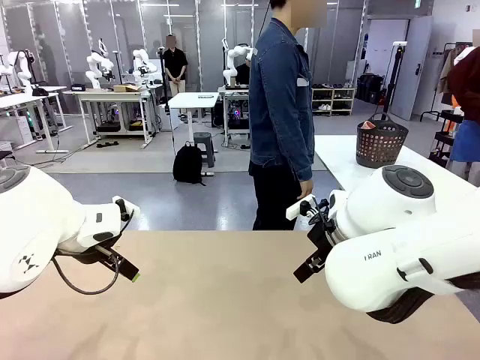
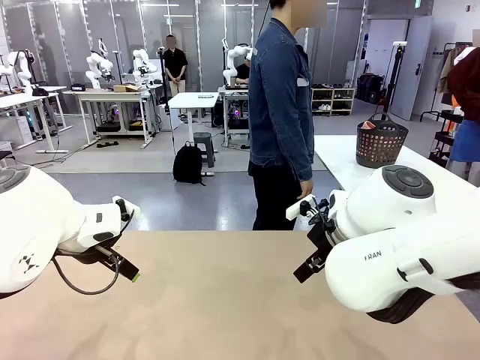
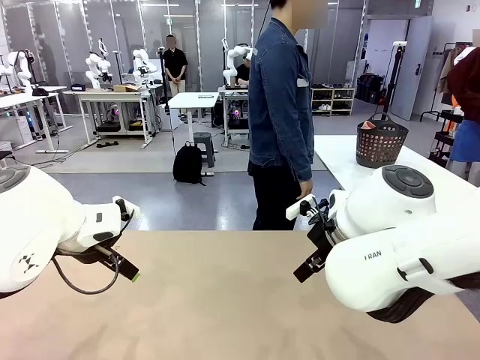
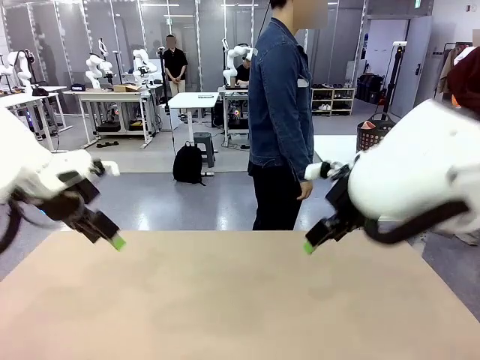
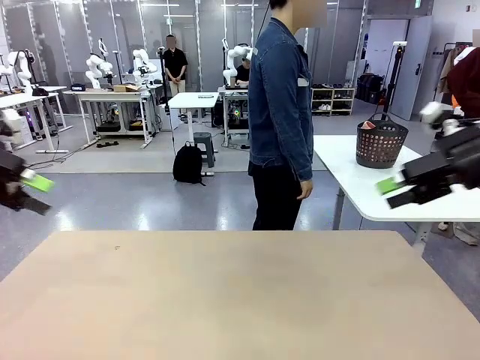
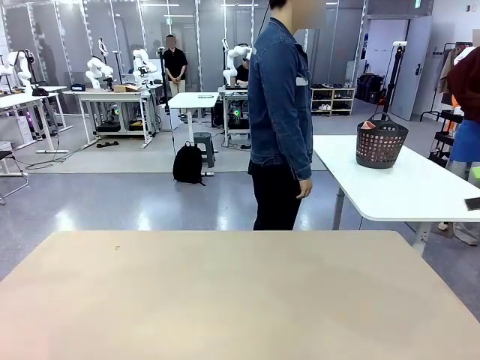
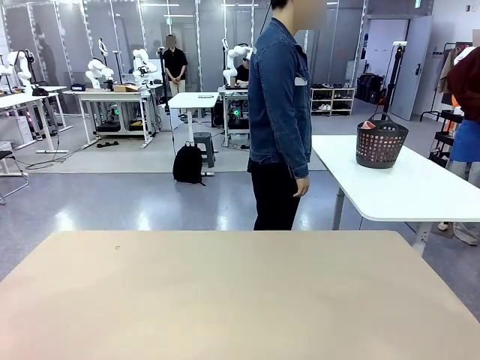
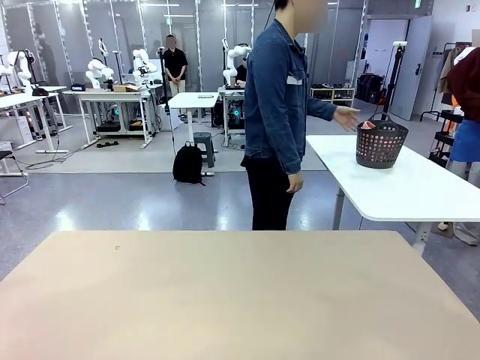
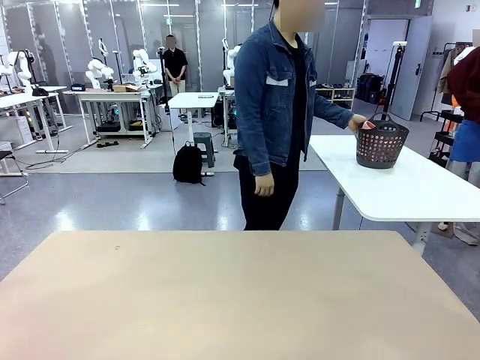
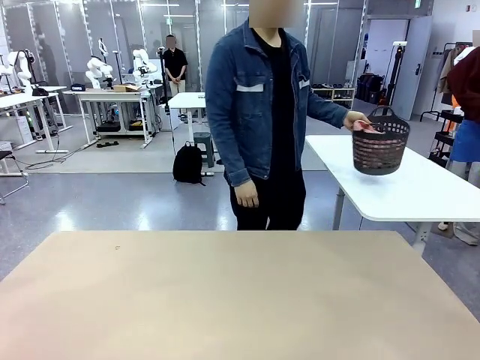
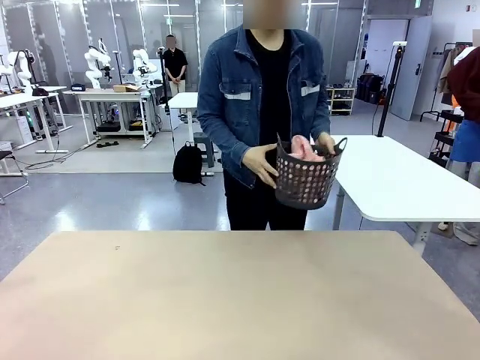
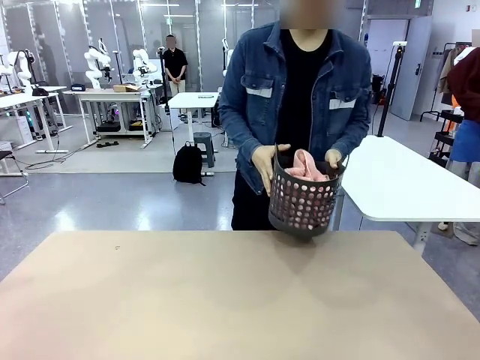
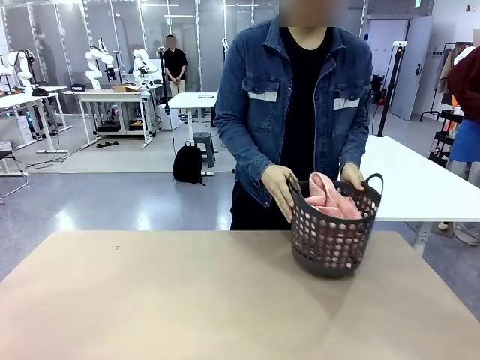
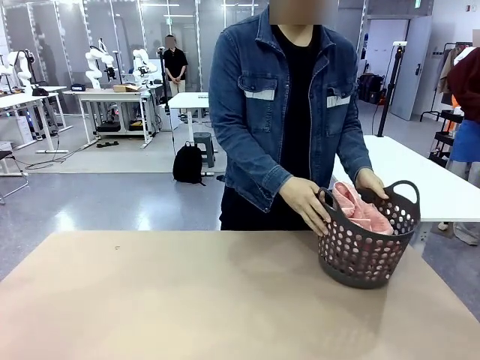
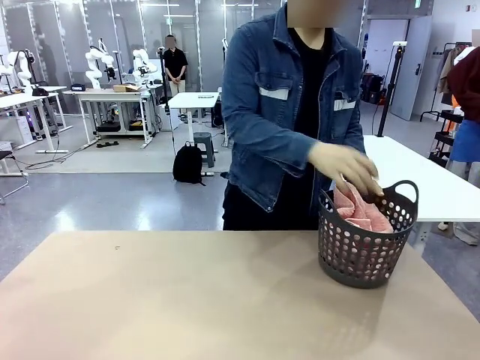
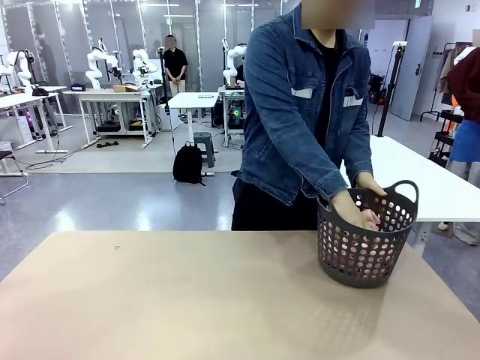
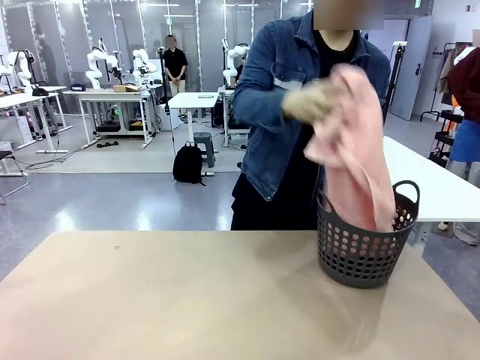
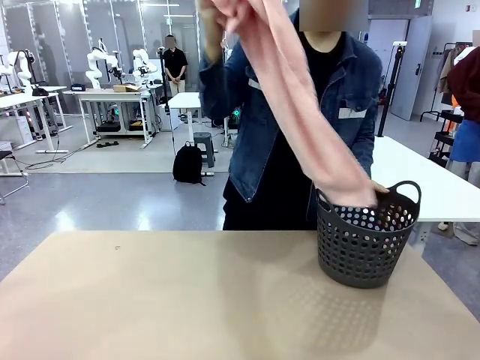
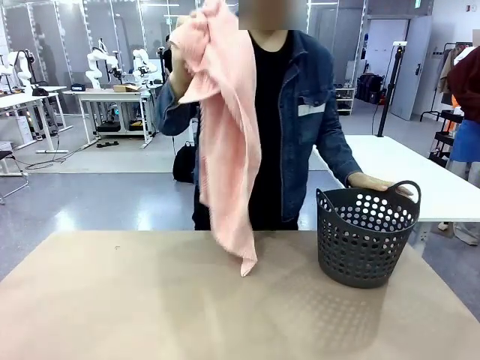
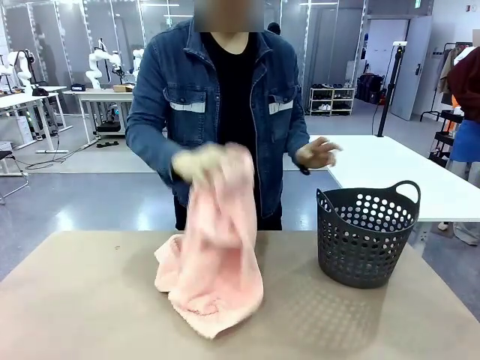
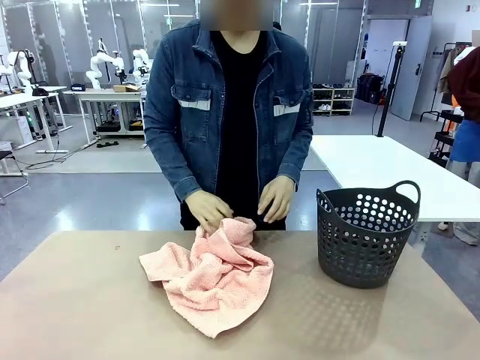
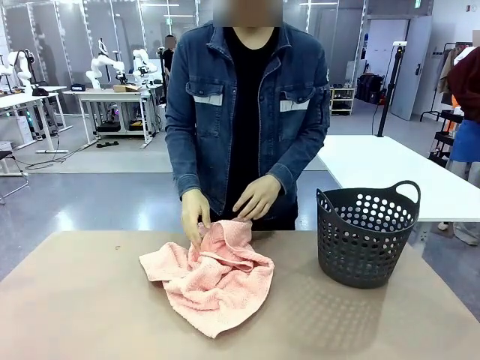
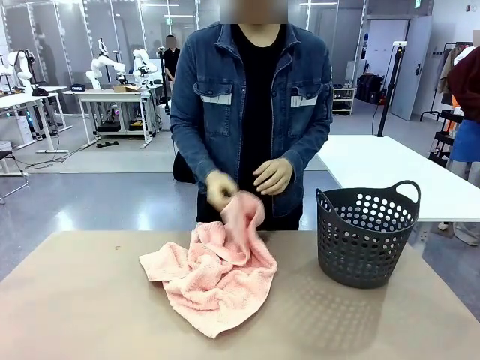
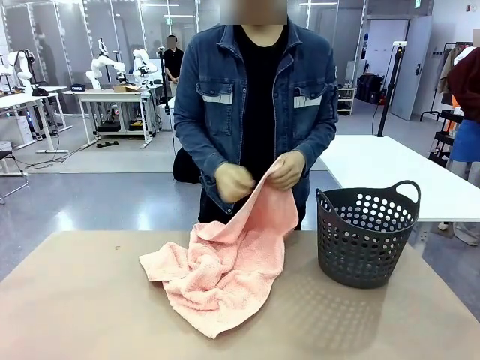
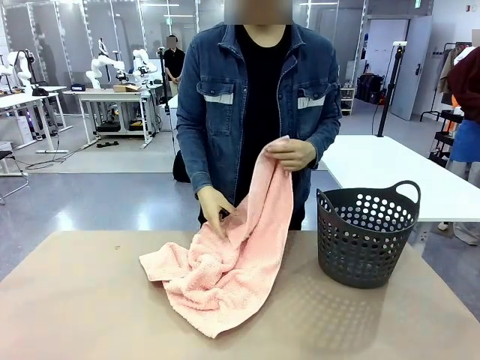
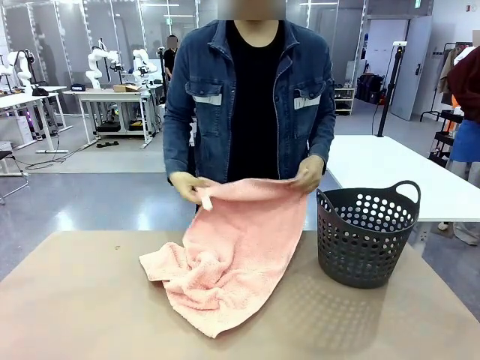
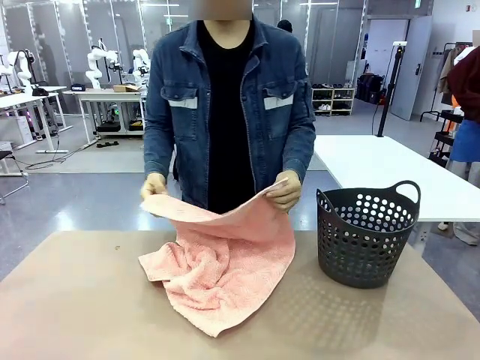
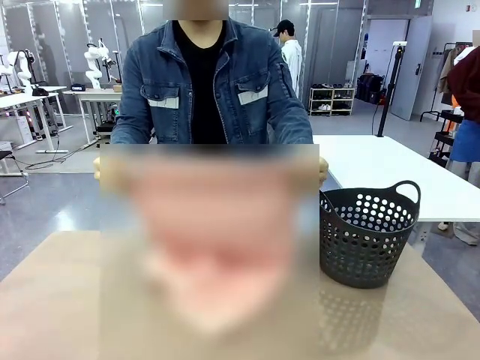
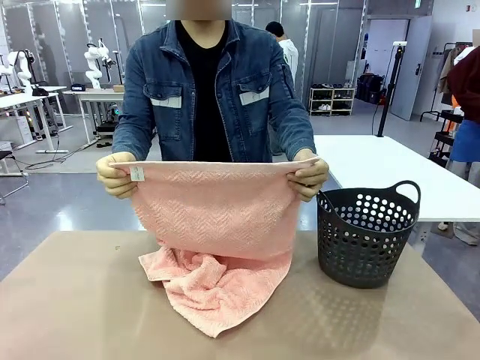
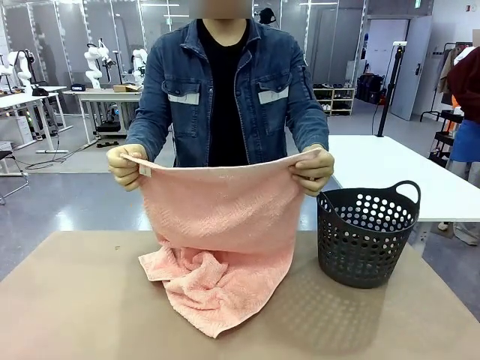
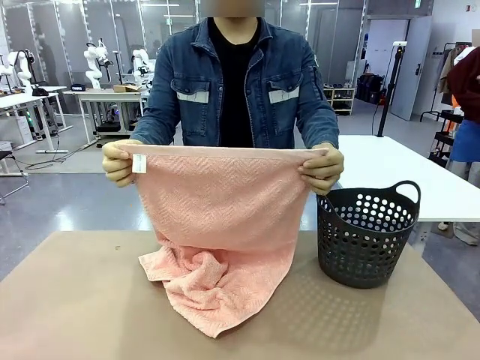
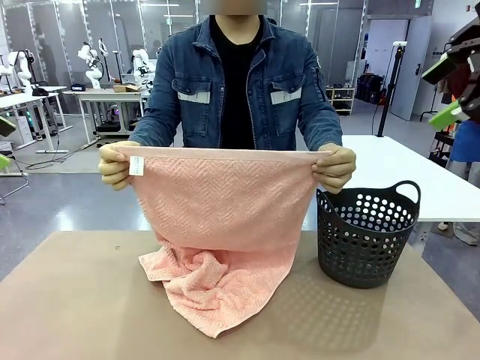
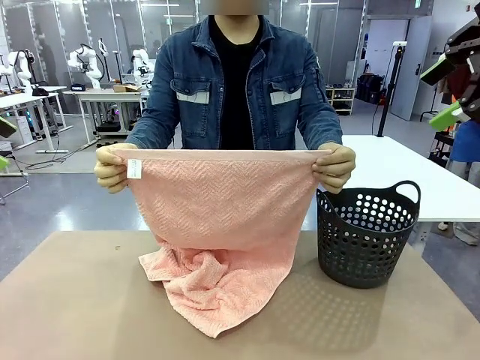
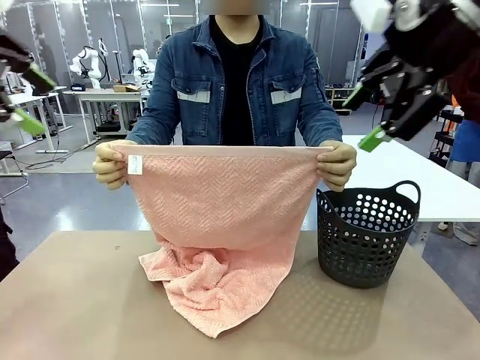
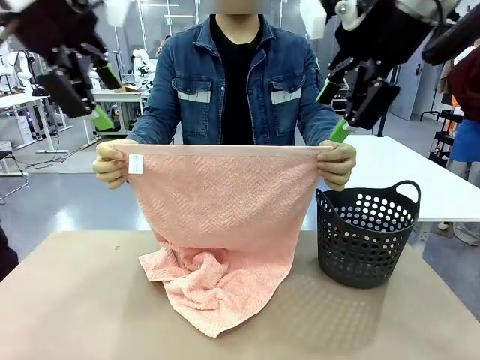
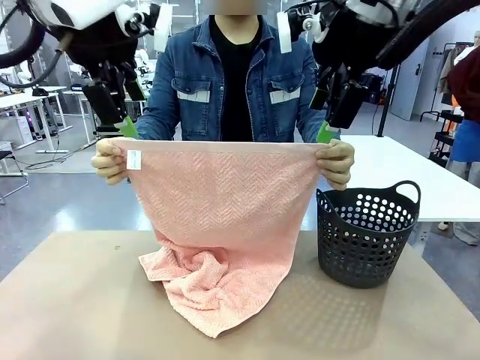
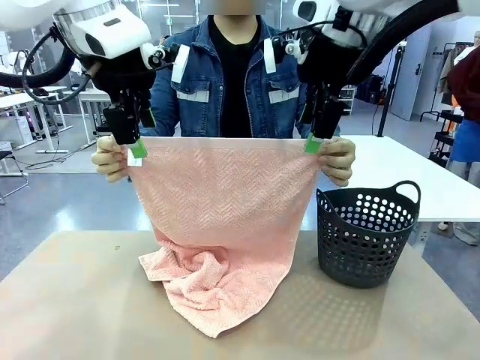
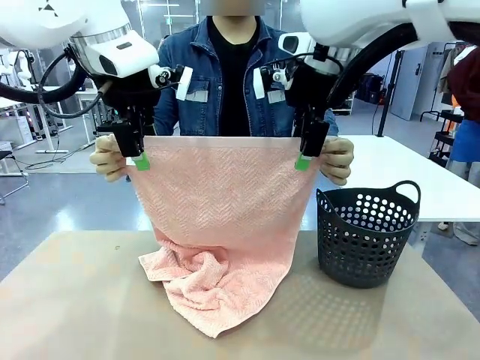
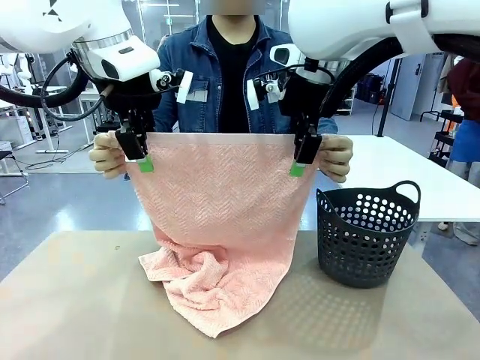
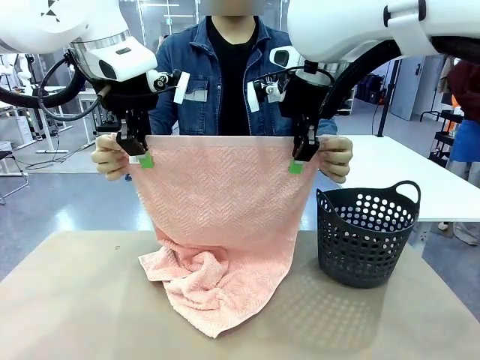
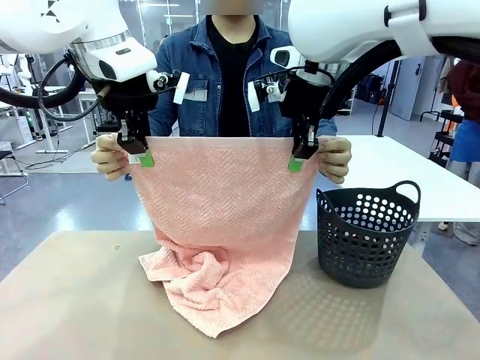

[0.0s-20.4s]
Task: Fold the towel.
Robot: Grab the top end of the 100 cm Hotel Towel extended by the human.
Person: Pick up the laundry basket, place it on the left side of the robot table, then take out a towel and hand it to the robot while holding both corners of one end.

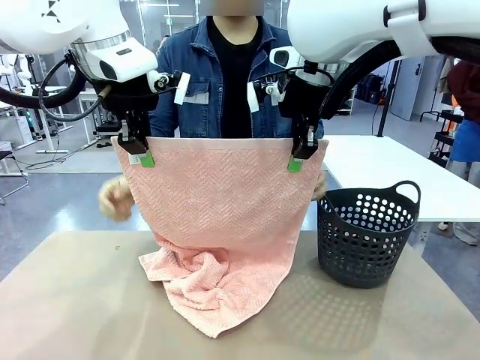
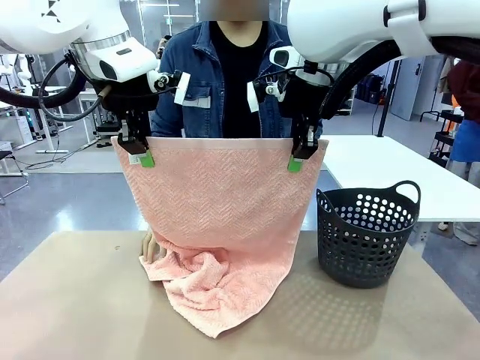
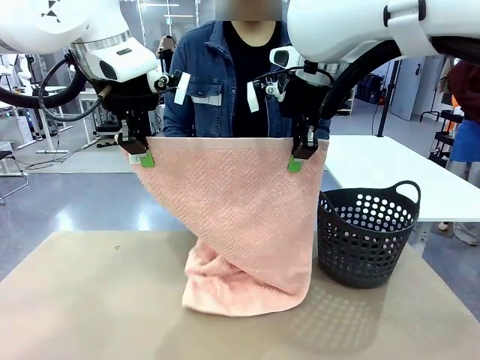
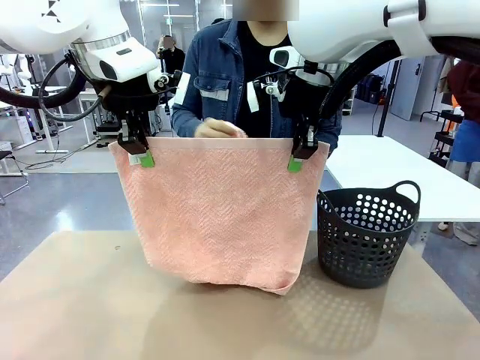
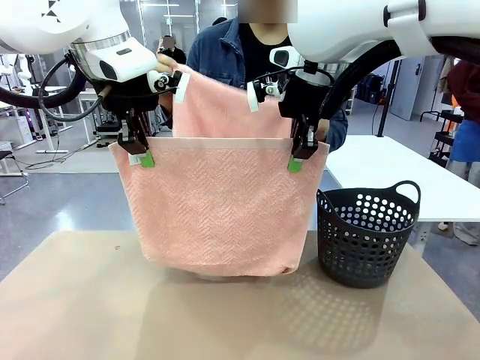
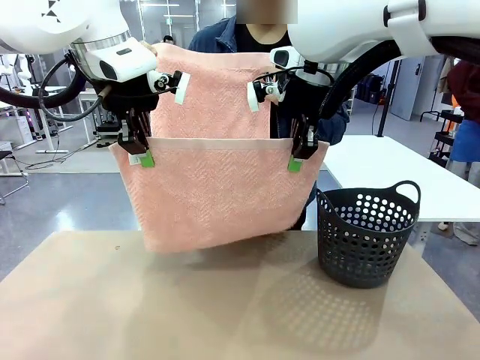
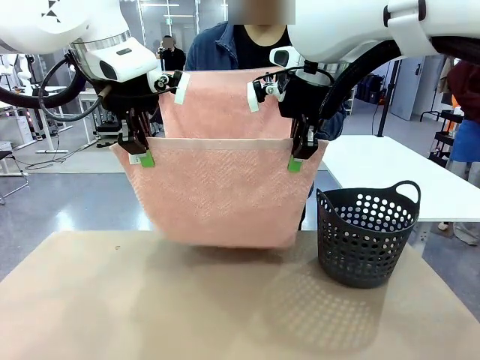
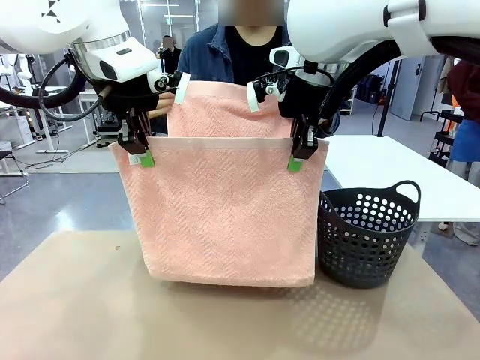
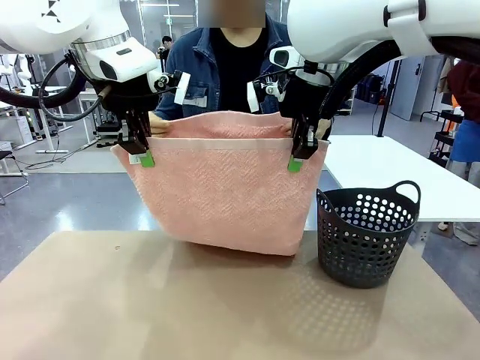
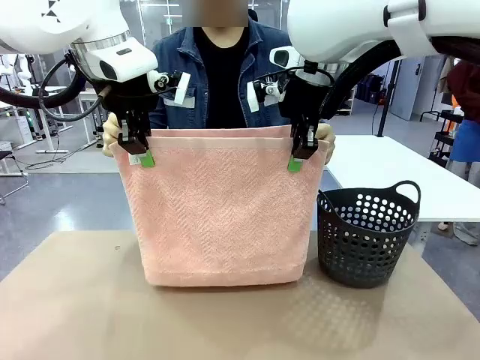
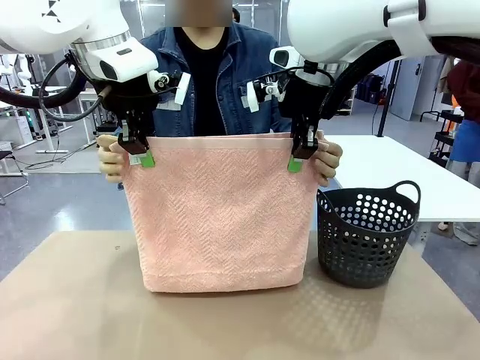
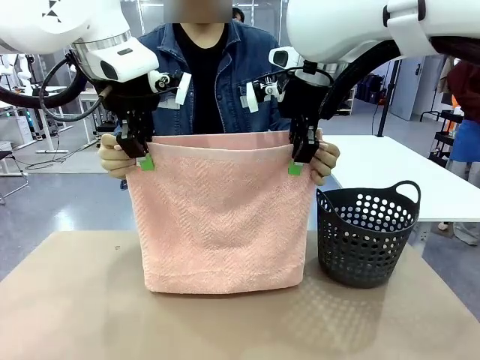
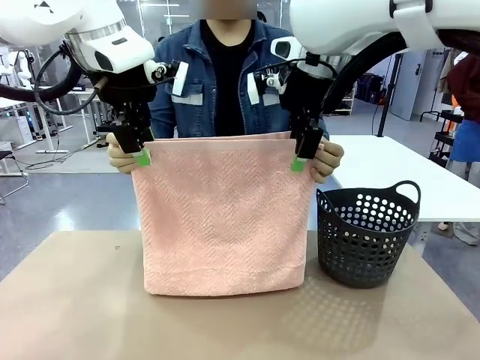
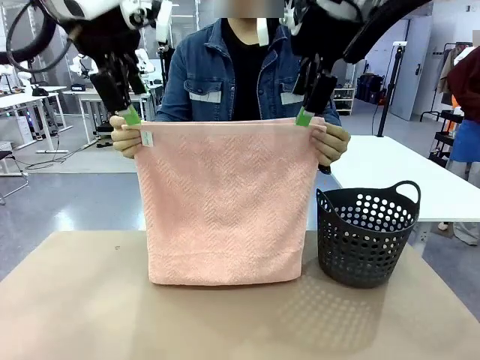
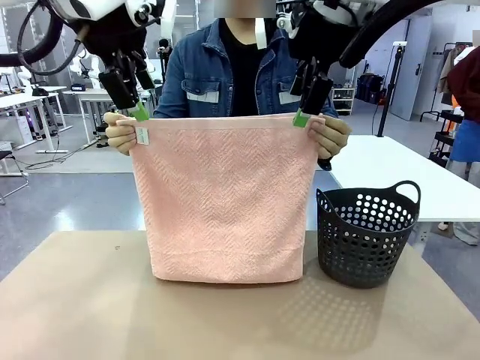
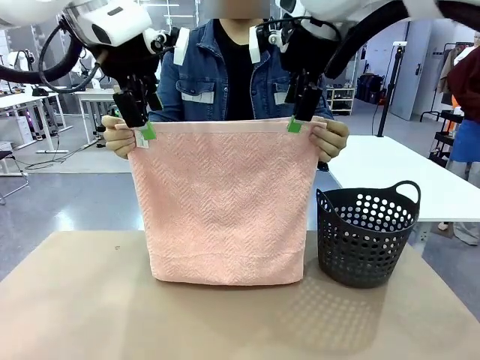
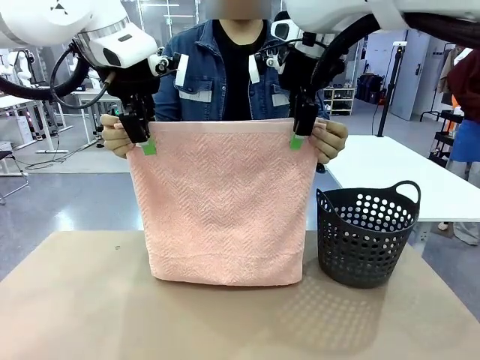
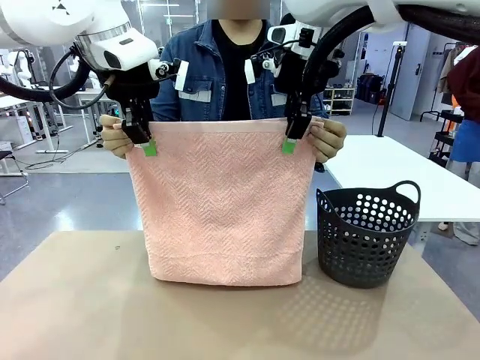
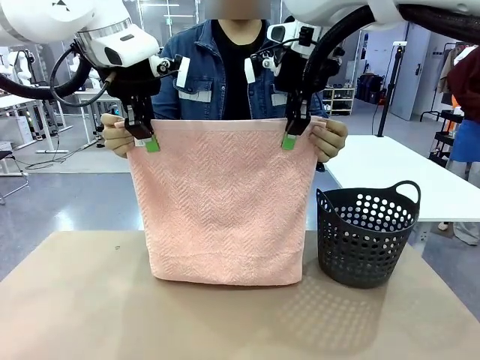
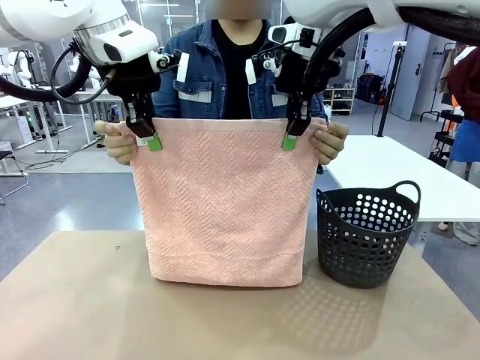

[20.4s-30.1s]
Robot: Release the end of the 100 cm Hotel Towel you were holding and grab the top end of the folded side.
